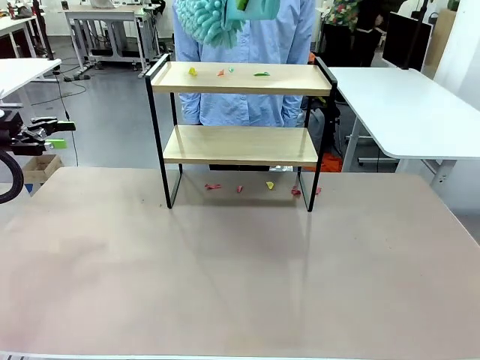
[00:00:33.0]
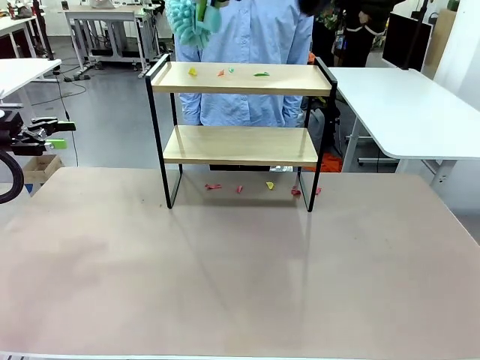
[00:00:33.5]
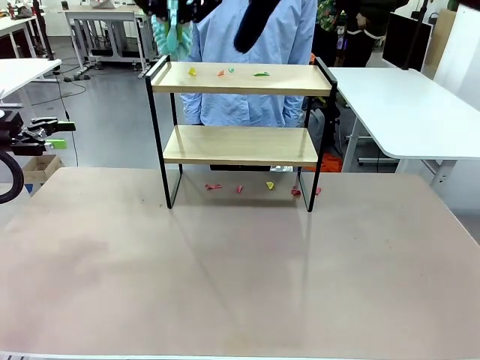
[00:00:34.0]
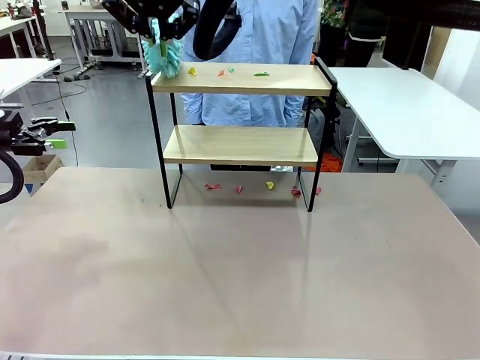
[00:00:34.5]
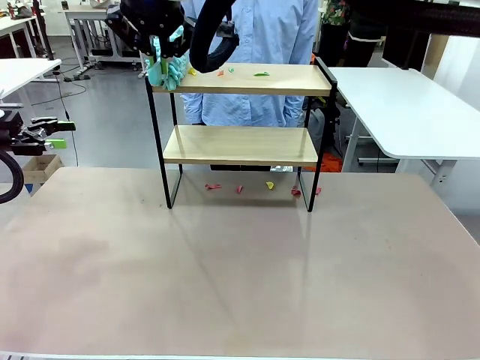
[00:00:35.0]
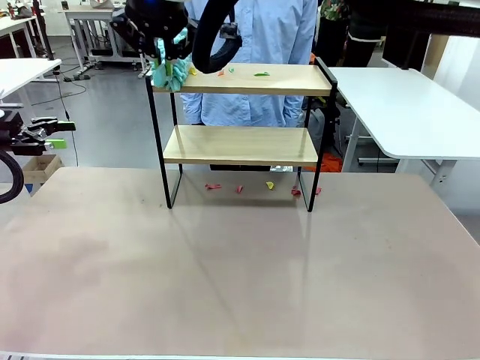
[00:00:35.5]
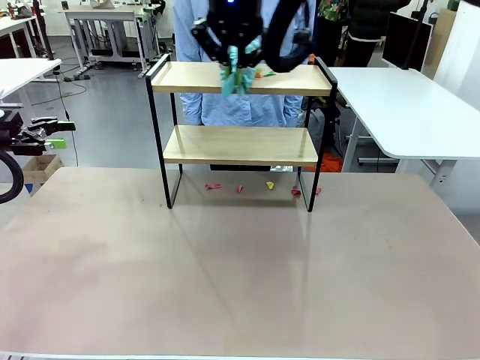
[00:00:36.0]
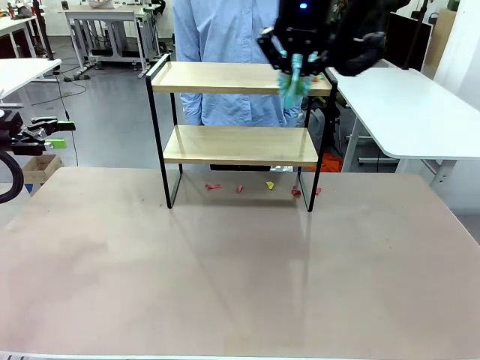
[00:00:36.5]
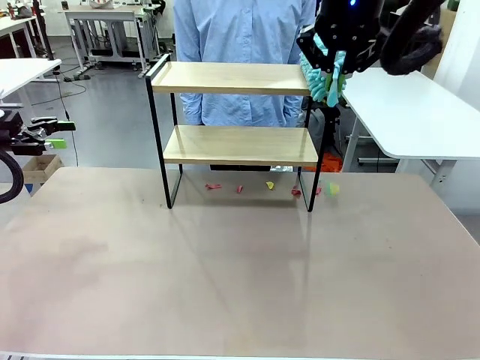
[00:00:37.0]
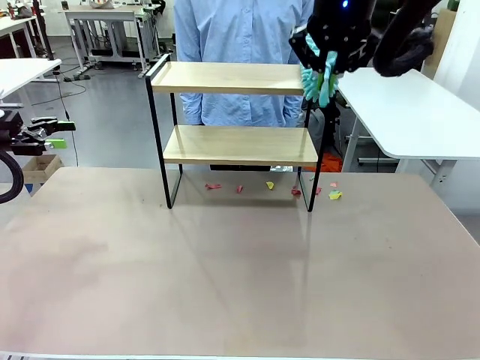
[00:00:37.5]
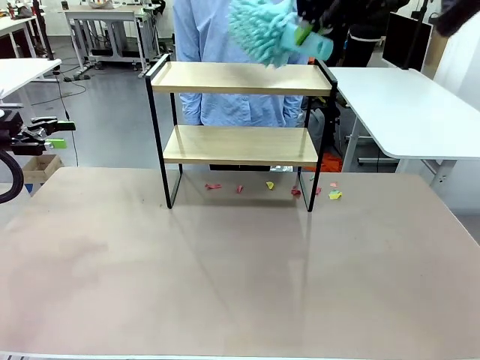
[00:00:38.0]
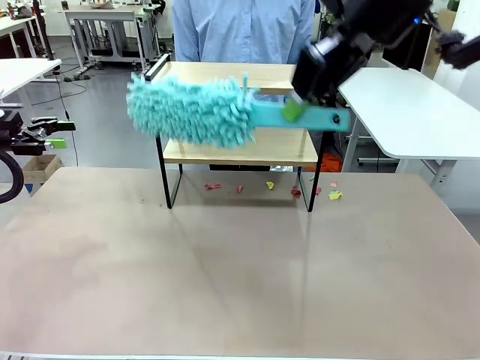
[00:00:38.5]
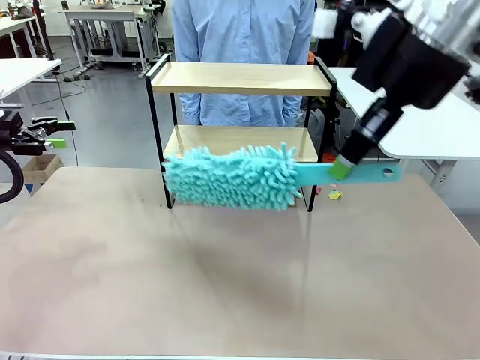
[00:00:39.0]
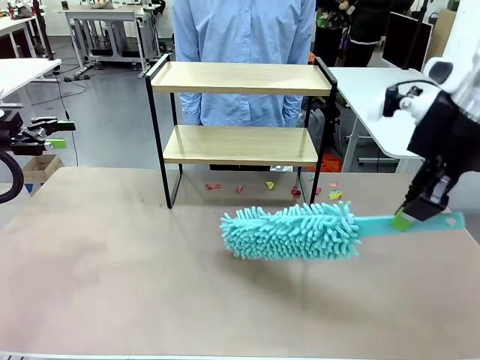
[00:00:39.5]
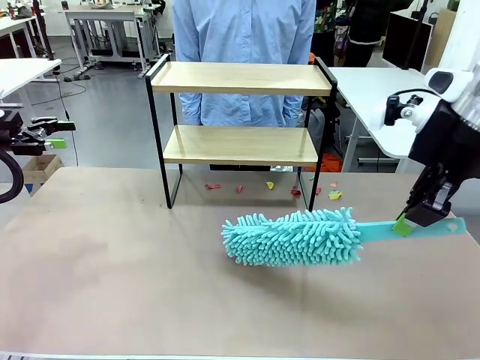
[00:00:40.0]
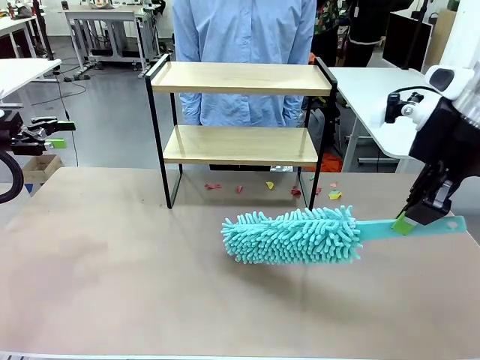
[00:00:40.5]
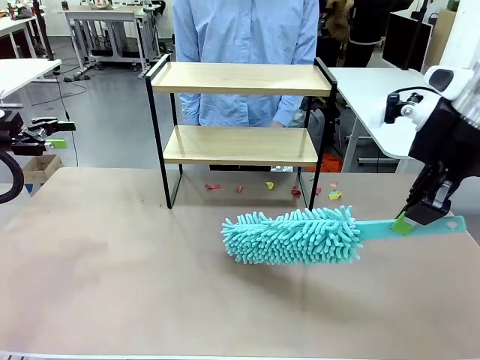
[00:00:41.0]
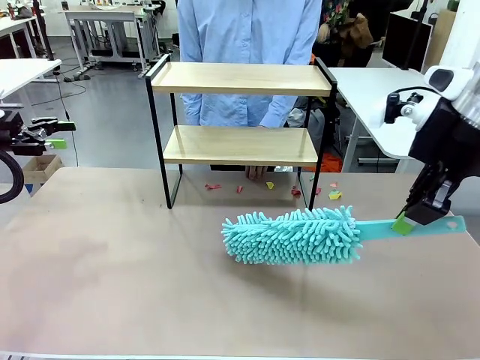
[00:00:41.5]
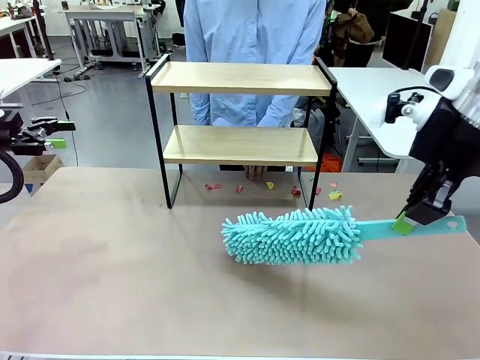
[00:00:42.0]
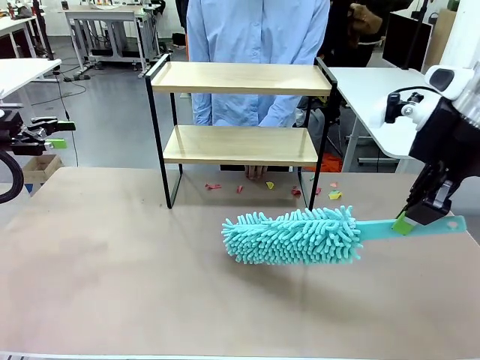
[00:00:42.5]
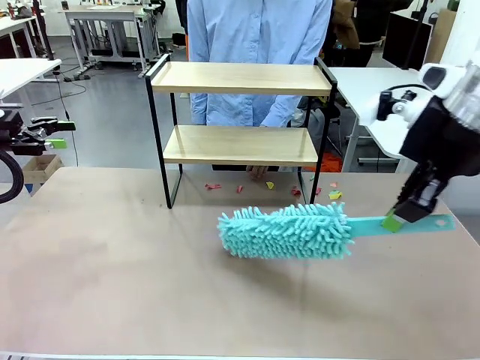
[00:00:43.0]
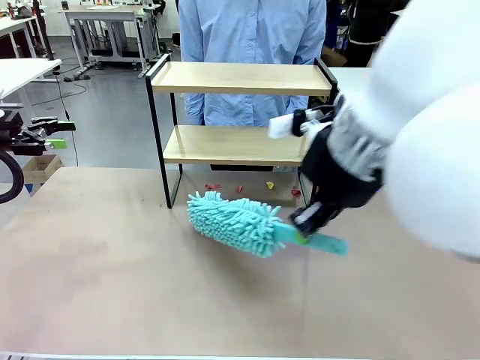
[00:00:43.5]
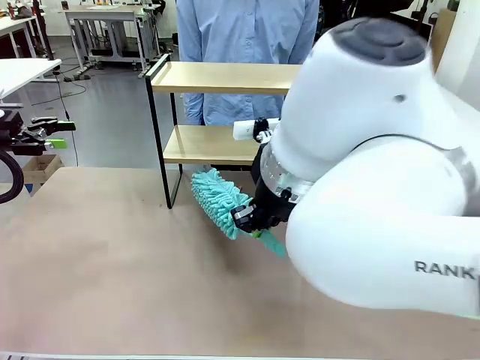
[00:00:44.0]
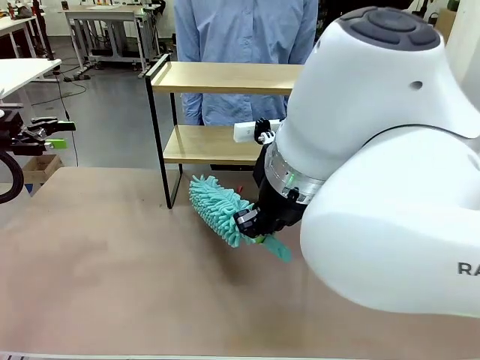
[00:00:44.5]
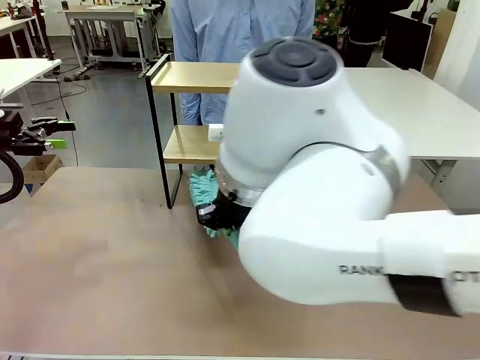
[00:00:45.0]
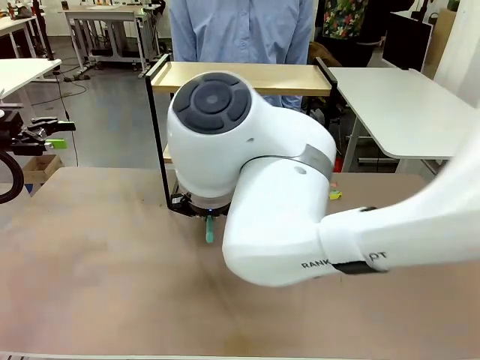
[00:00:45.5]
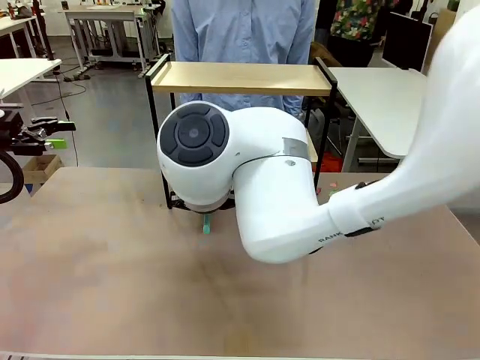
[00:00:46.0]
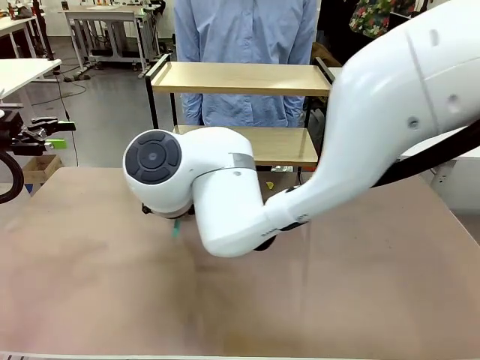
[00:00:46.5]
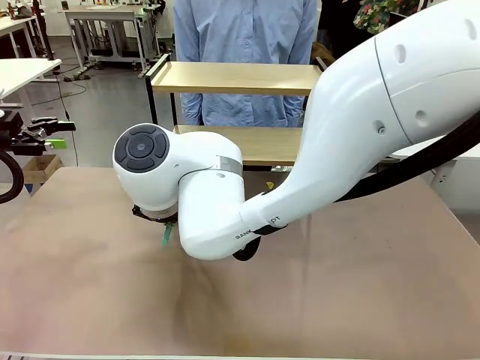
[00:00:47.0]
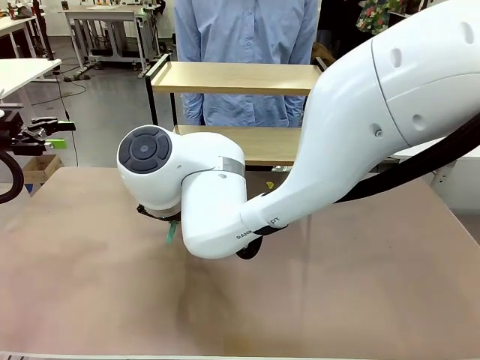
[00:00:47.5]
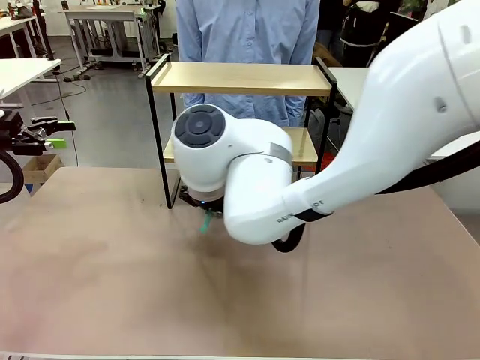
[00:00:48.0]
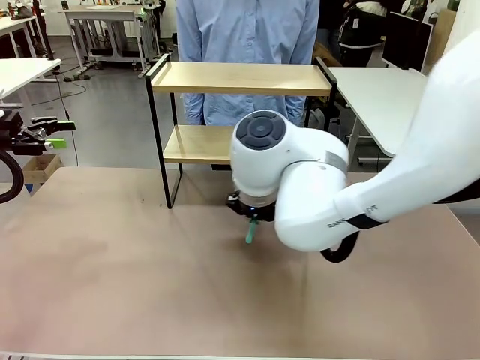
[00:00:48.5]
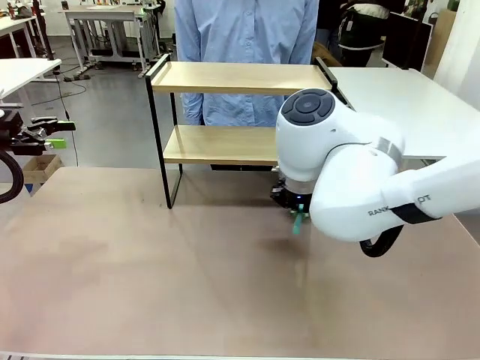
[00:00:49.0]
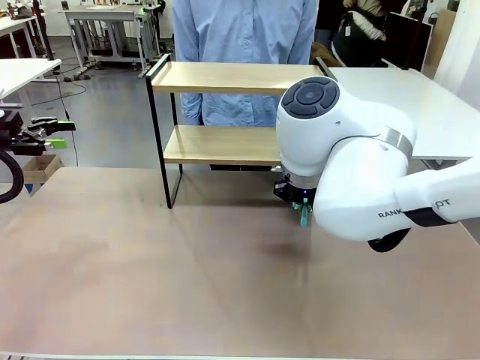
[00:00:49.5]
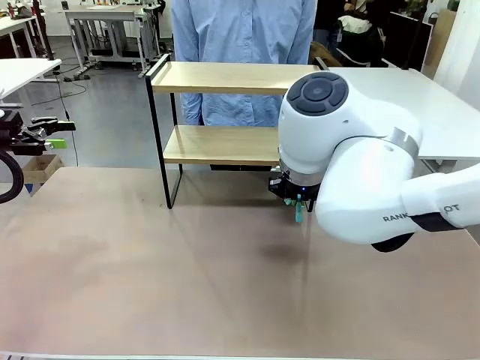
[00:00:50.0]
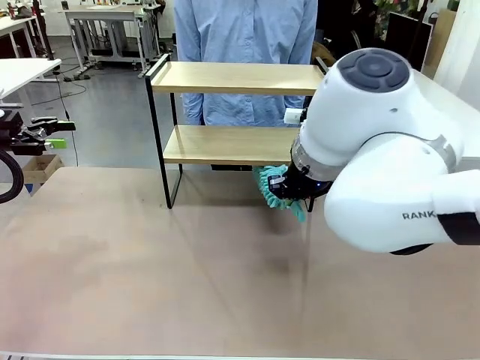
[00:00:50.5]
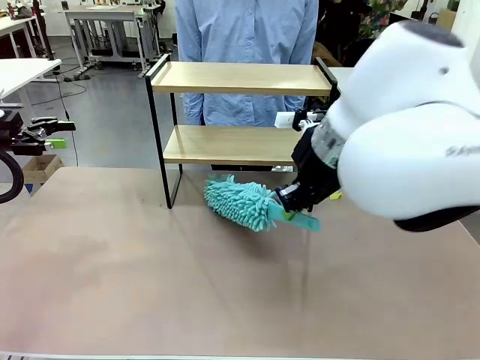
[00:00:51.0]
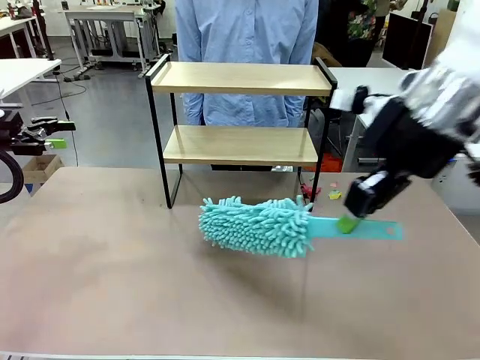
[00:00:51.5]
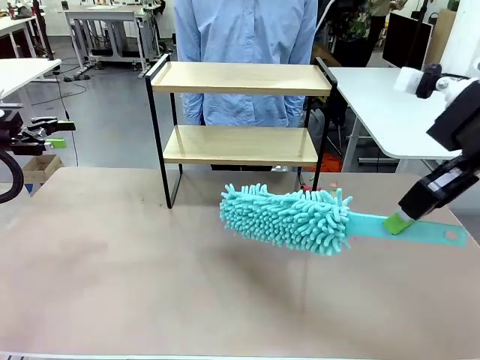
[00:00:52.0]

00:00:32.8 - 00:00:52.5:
Task: Clean the shelf.
Robot: Clean the specific section of the Shelf indicated by the human with the Duster.
Person: Point a remaining section of the Shelf.
